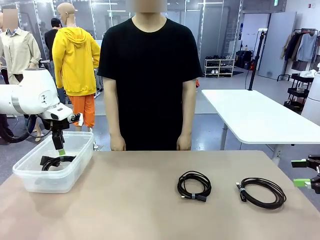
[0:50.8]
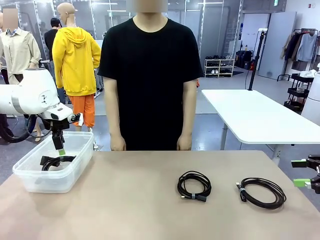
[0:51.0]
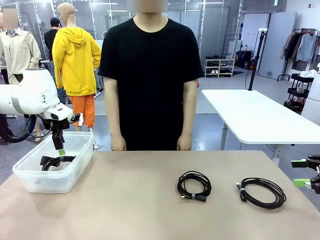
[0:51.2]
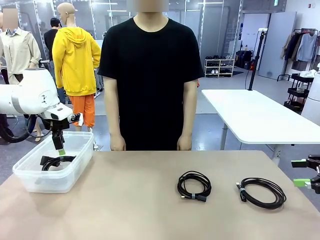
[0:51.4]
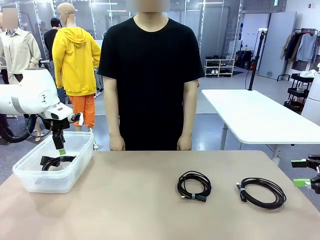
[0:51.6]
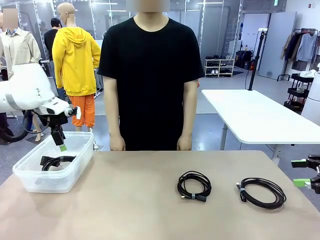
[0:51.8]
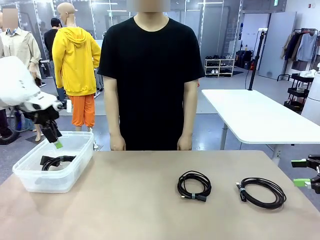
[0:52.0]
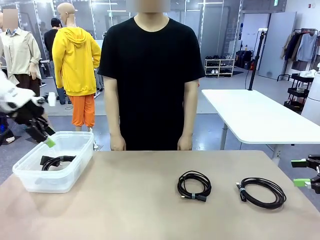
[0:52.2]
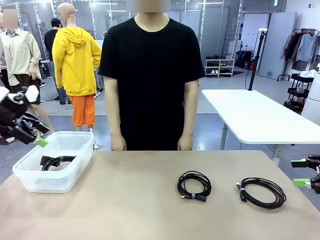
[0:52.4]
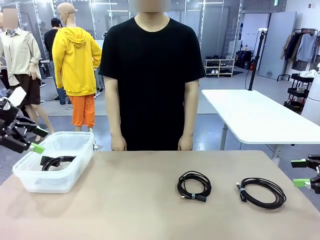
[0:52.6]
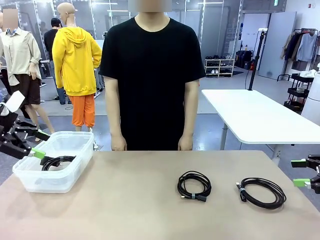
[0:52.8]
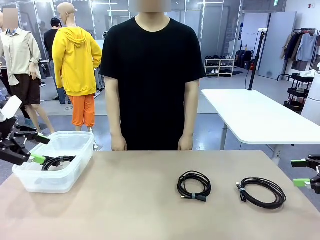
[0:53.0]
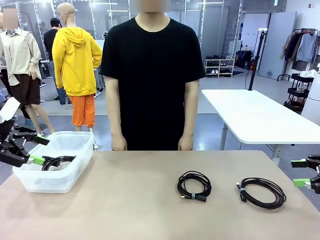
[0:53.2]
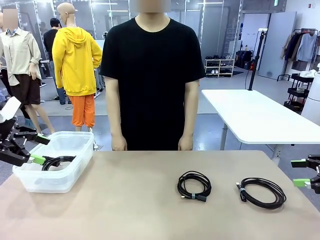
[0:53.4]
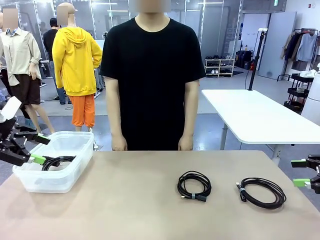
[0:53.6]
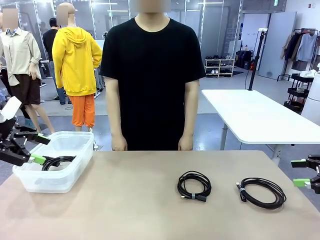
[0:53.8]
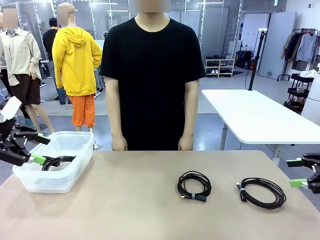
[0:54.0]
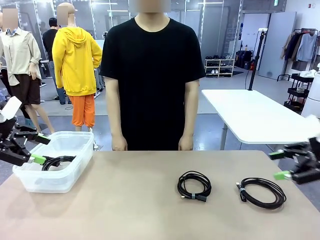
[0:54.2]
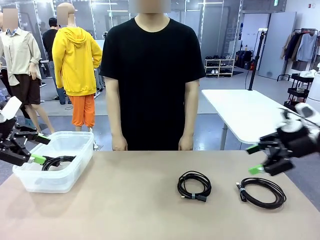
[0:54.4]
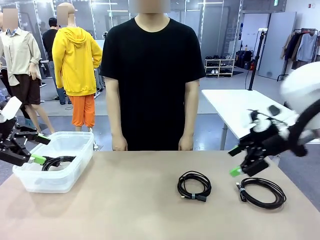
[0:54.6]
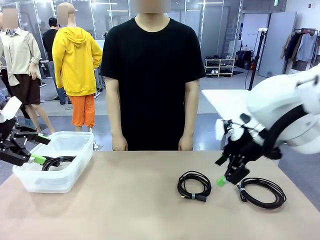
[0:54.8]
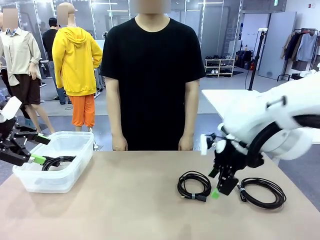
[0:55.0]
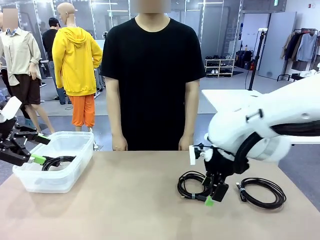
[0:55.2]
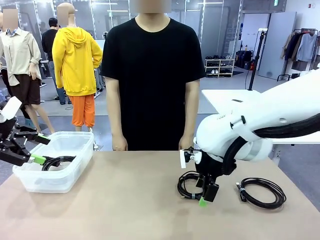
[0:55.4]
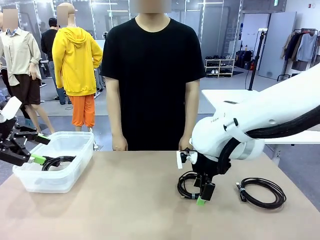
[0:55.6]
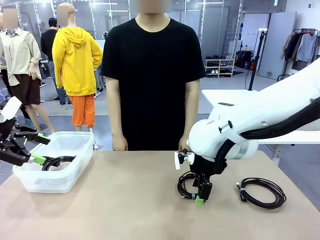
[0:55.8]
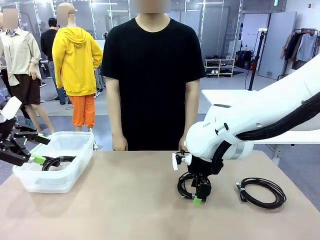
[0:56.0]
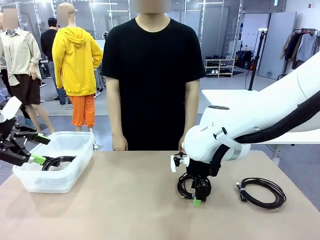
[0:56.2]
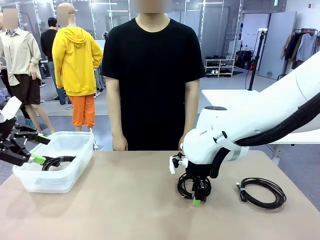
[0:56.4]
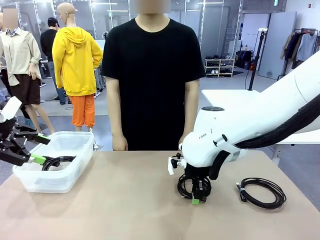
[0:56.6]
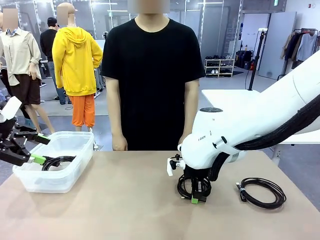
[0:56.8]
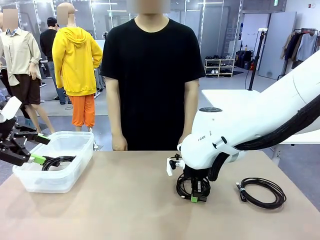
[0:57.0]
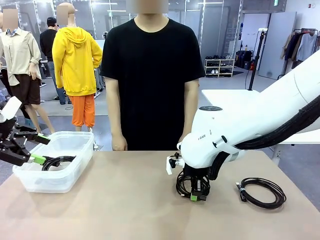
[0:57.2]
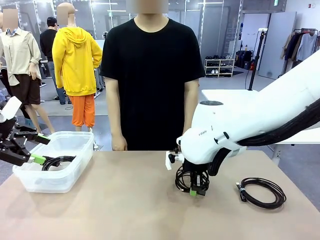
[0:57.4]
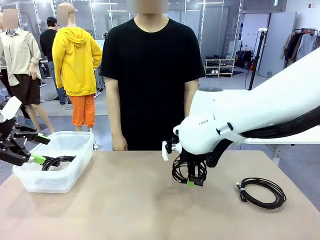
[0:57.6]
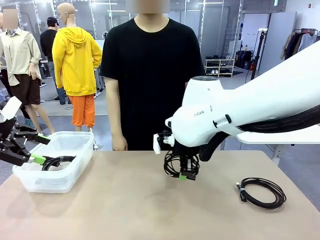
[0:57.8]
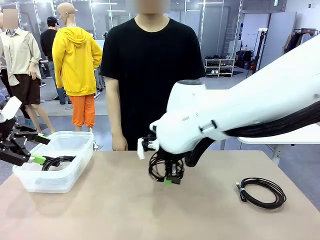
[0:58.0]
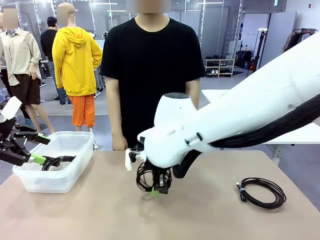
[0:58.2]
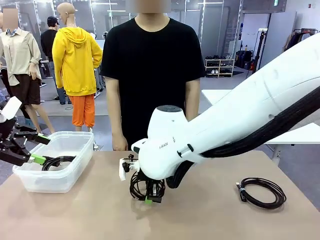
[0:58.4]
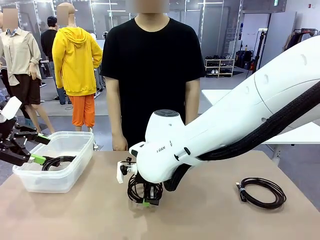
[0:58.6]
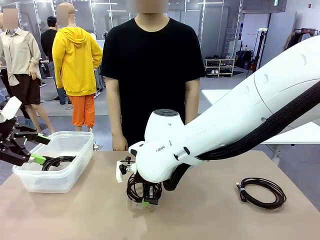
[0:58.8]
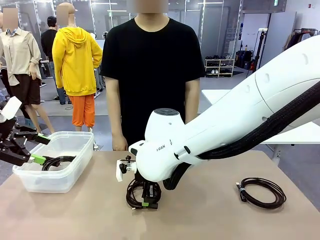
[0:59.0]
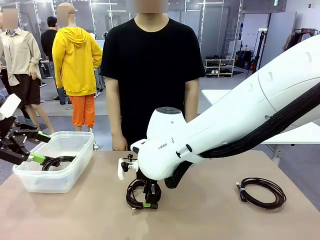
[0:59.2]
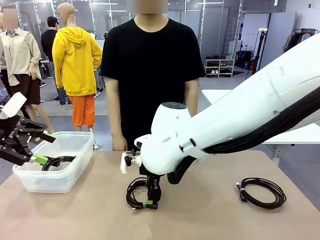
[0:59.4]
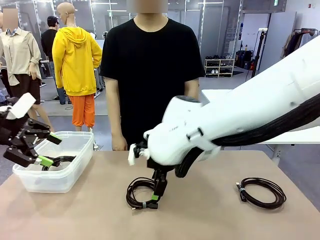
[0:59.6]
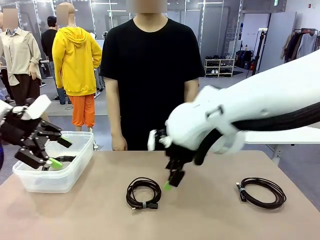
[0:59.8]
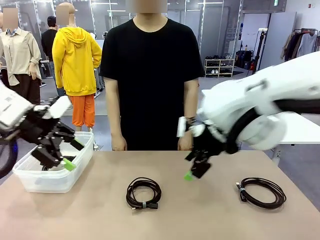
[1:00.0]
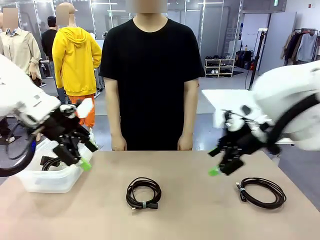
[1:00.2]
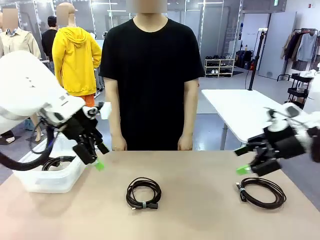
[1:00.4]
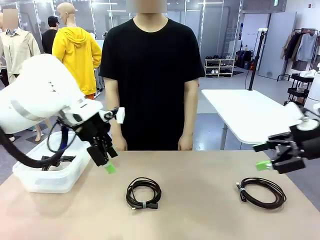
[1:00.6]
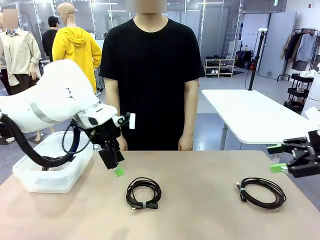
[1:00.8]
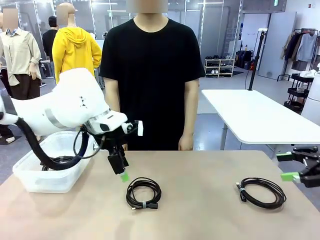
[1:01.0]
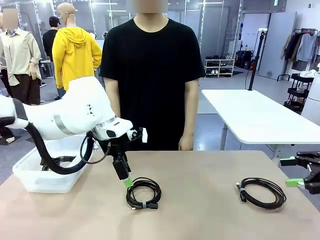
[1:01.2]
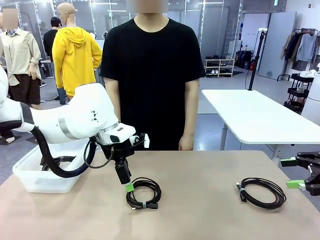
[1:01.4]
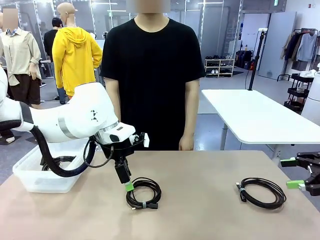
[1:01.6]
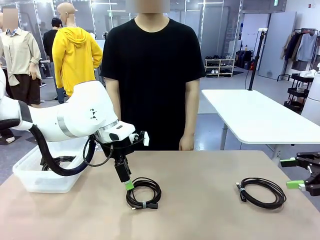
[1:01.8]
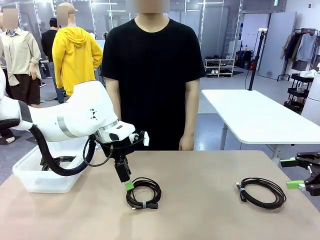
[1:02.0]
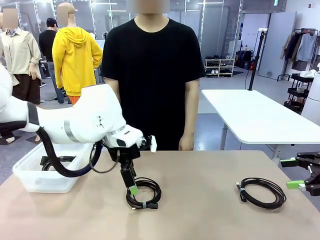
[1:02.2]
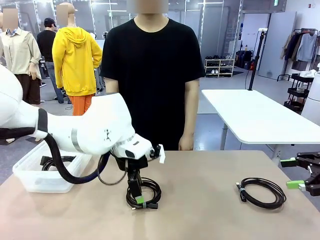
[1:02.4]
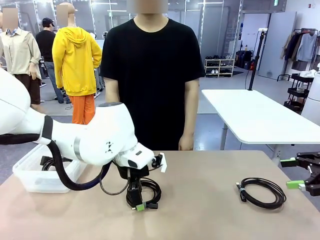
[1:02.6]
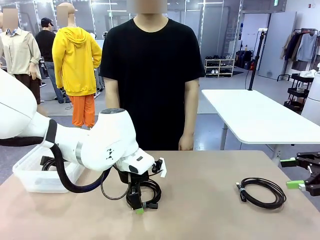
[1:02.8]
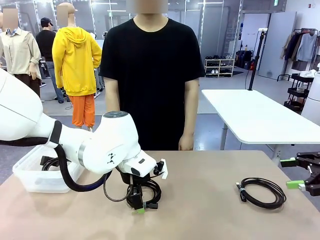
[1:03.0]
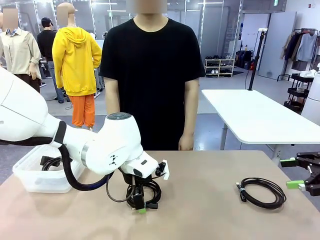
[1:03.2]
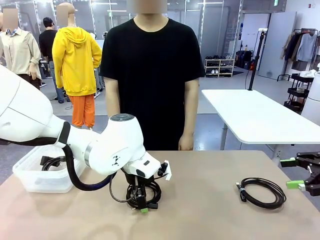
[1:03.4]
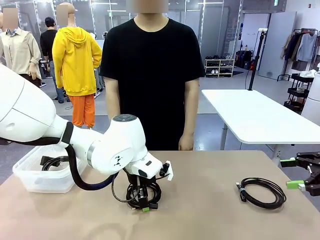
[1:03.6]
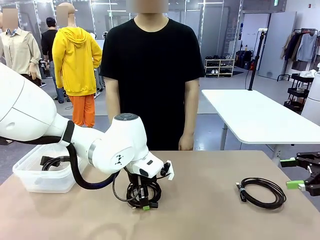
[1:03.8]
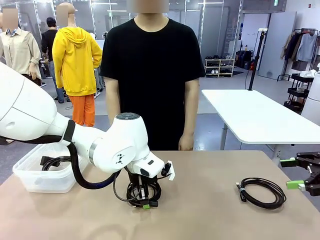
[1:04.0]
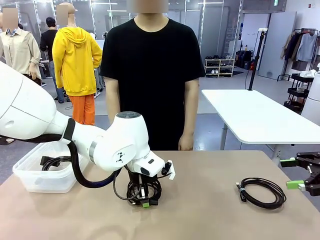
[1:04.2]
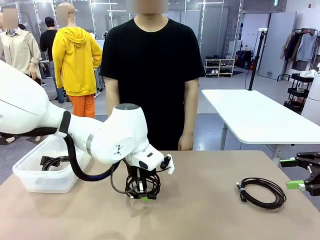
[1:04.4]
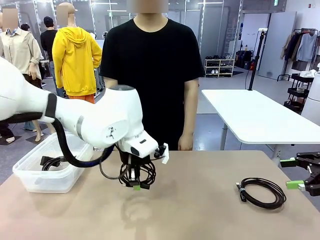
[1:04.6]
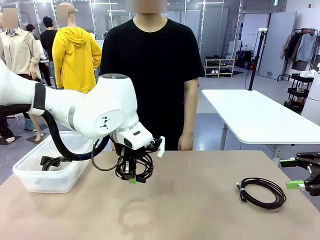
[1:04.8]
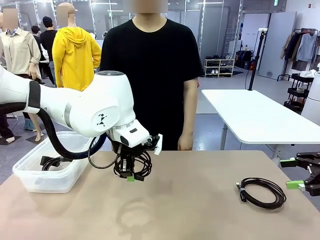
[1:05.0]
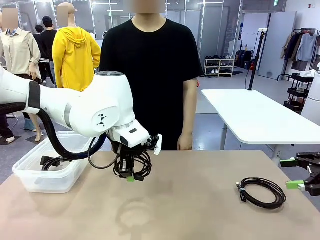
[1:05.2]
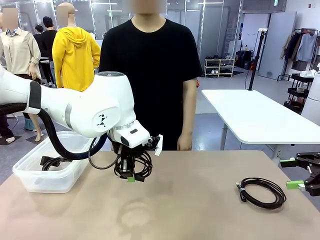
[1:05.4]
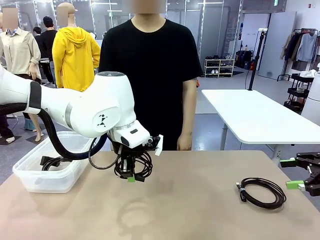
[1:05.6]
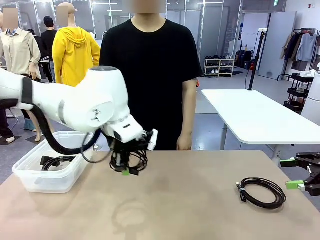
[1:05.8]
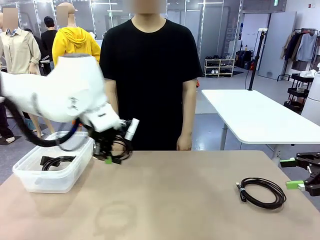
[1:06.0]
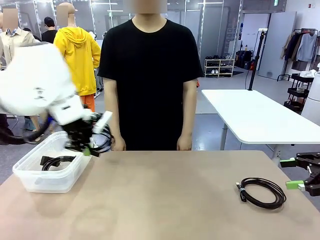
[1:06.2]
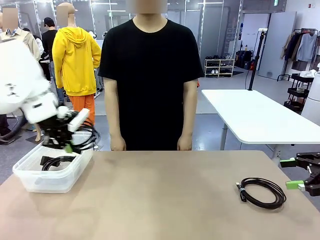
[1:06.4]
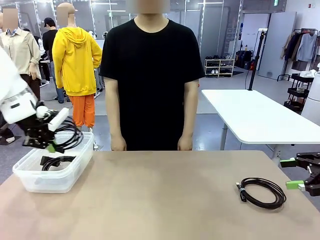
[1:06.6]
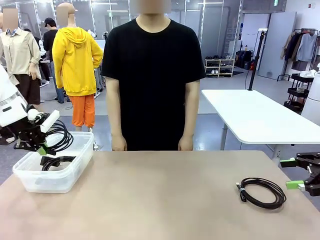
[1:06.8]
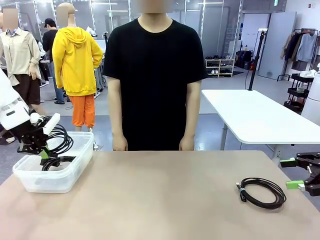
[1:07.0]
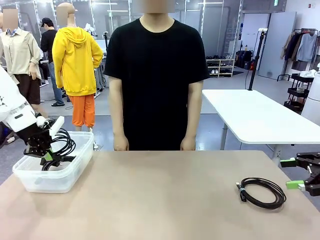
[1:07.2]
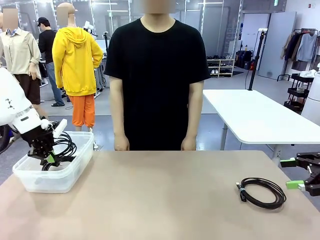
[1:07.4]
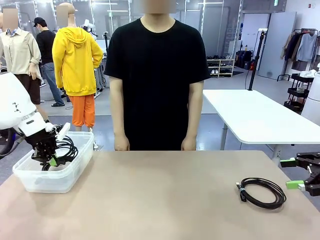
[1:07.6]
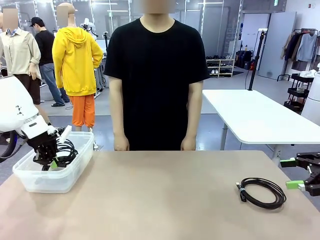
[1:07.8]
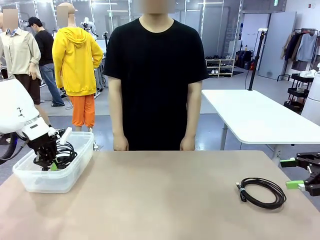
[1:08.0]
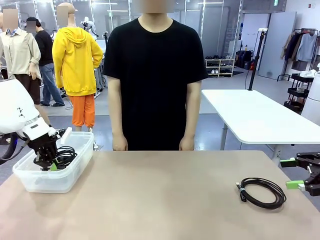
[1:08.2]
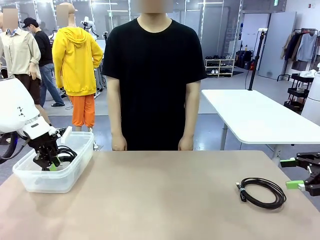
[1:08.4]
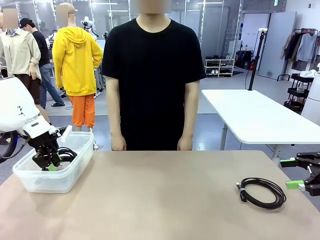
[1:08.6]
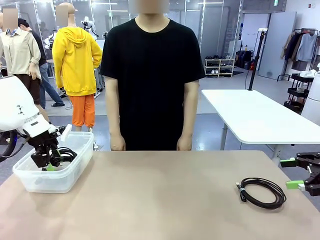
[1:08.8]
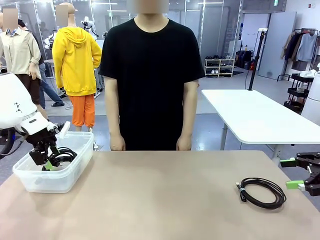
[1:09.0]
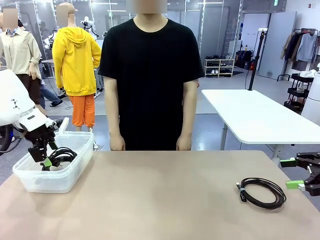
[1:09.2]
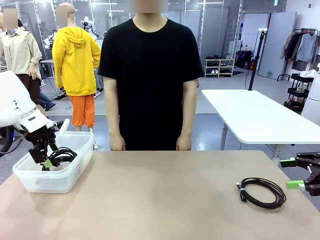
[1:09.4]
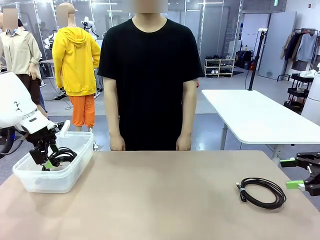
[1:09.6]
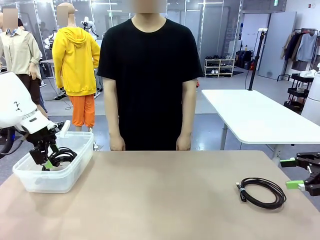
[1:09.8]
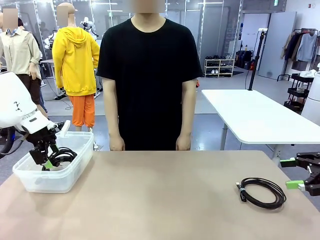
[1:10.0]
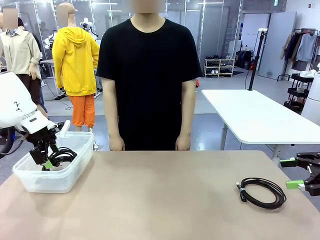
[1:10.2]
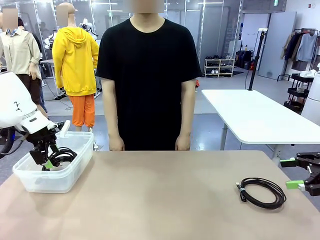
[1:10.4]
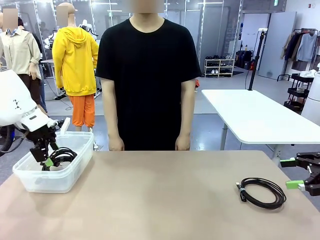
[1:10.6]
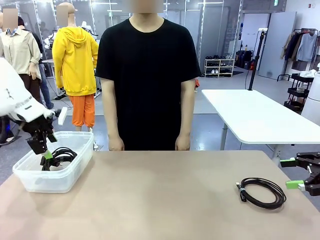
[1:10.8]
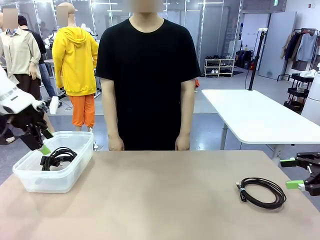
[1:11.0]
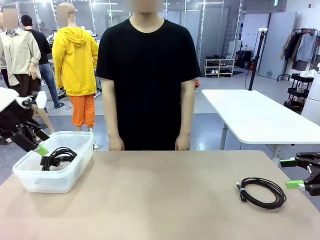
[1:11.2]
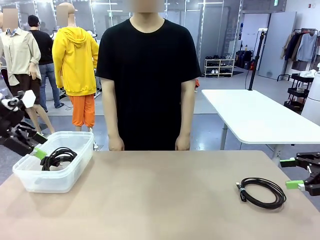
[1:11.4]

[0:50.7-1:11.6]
Task: Organize and store the cables.
Robot: Place the USB Extension Cable into the Organizing box.
